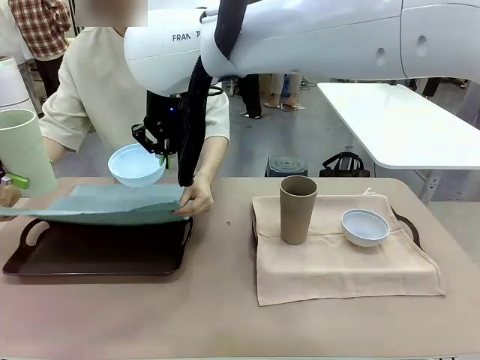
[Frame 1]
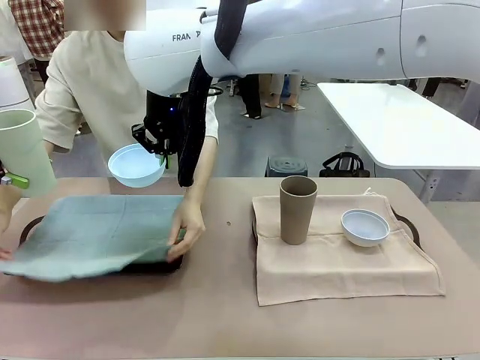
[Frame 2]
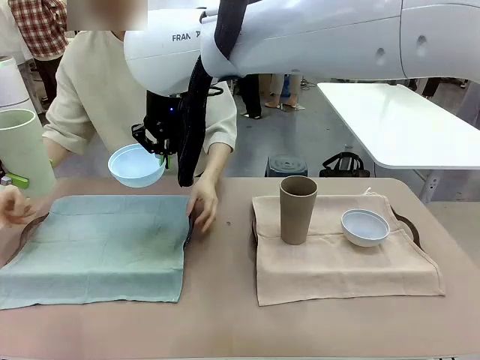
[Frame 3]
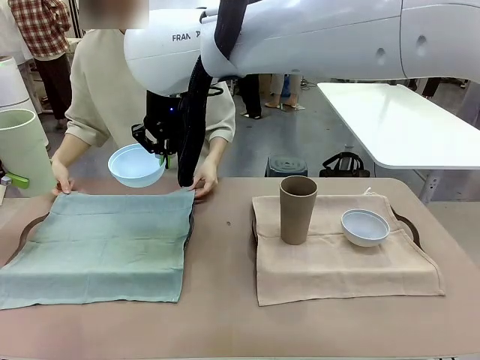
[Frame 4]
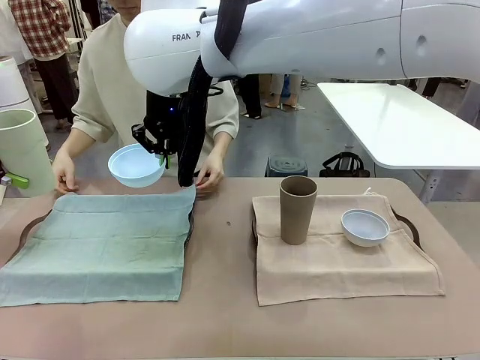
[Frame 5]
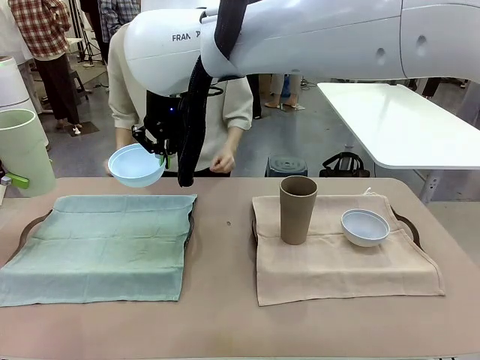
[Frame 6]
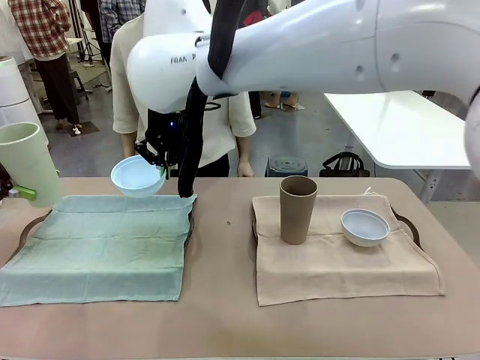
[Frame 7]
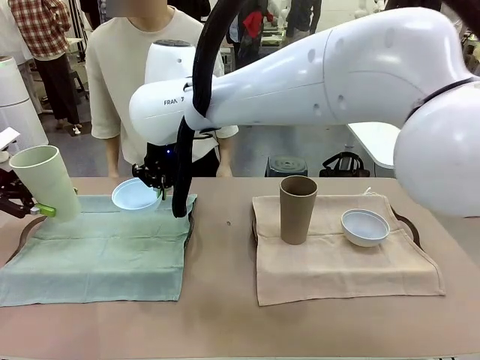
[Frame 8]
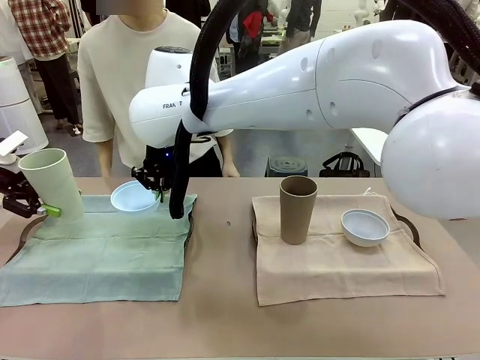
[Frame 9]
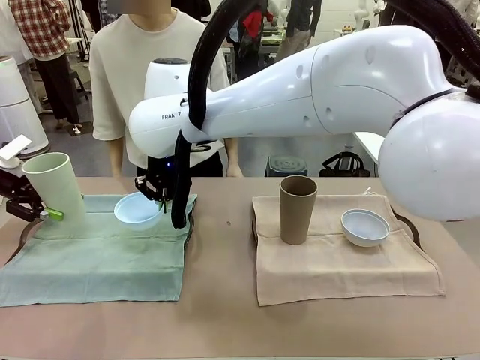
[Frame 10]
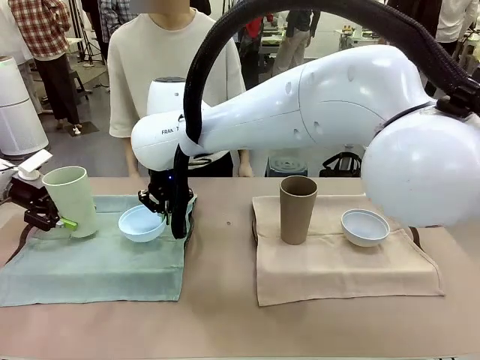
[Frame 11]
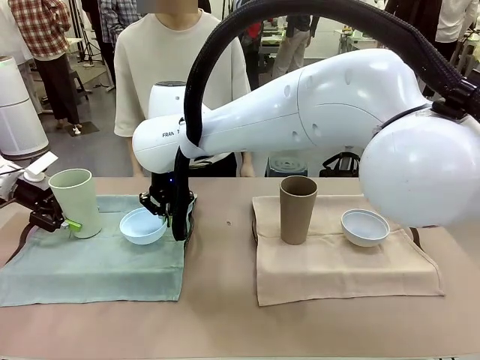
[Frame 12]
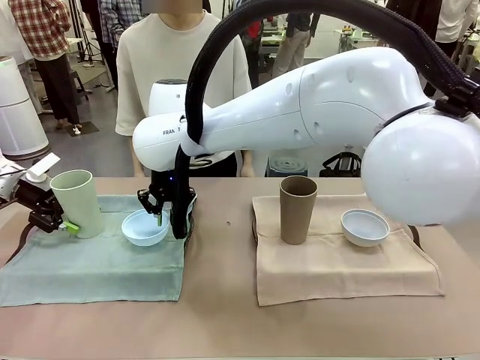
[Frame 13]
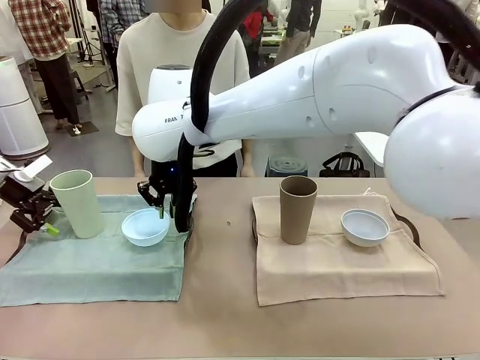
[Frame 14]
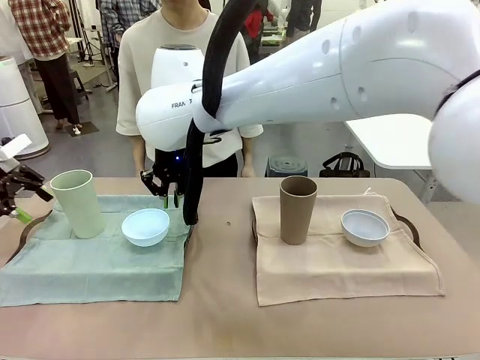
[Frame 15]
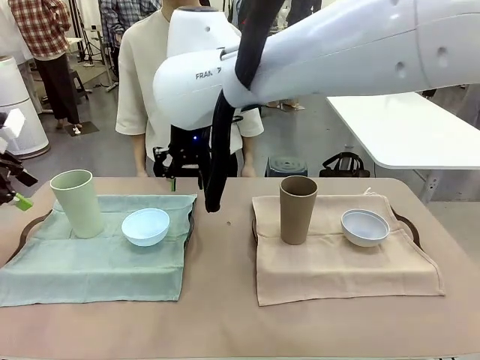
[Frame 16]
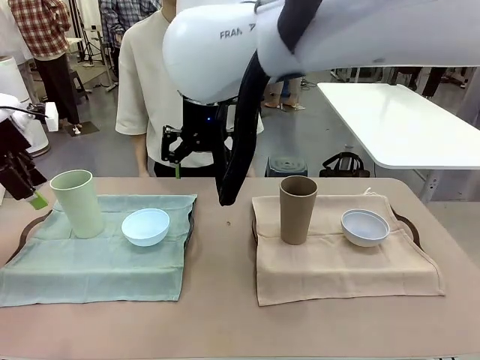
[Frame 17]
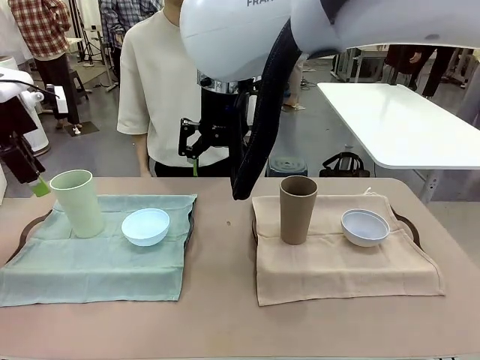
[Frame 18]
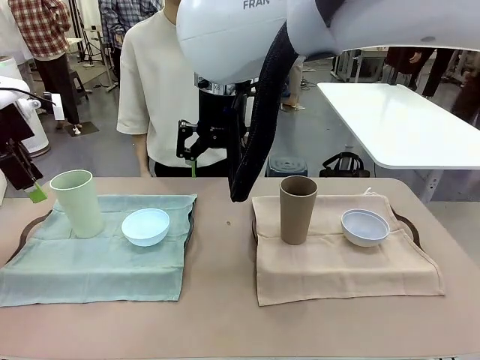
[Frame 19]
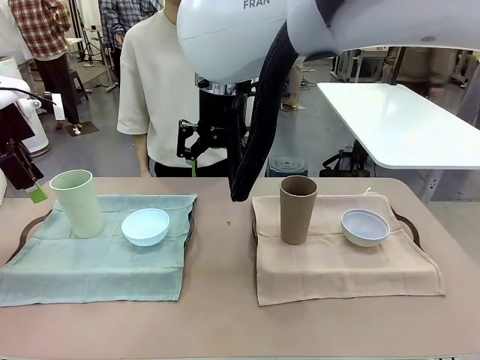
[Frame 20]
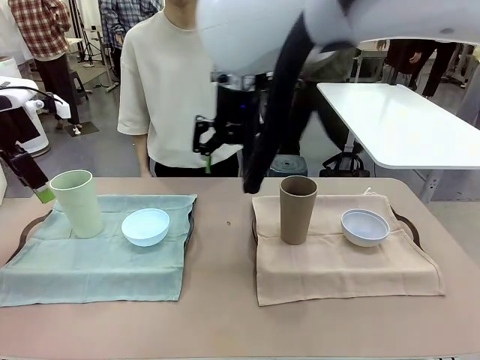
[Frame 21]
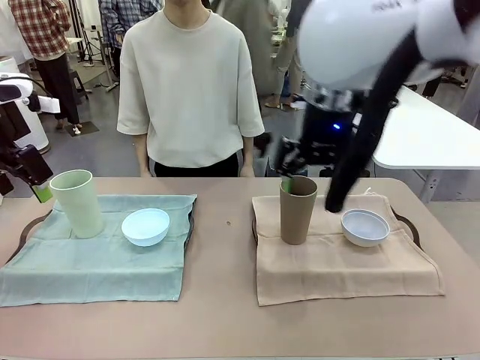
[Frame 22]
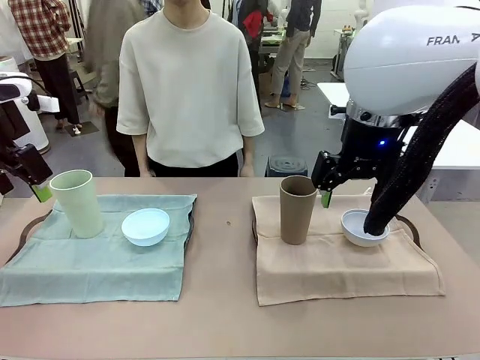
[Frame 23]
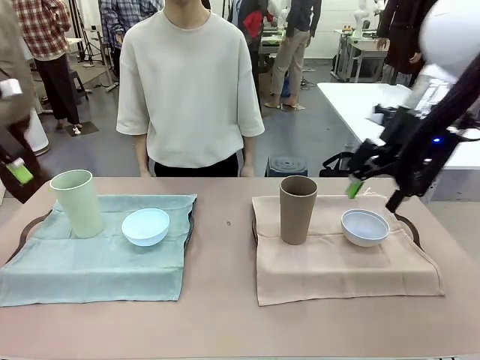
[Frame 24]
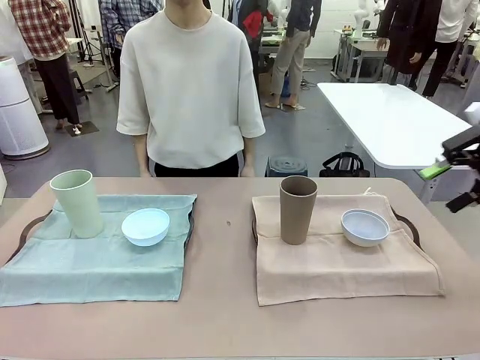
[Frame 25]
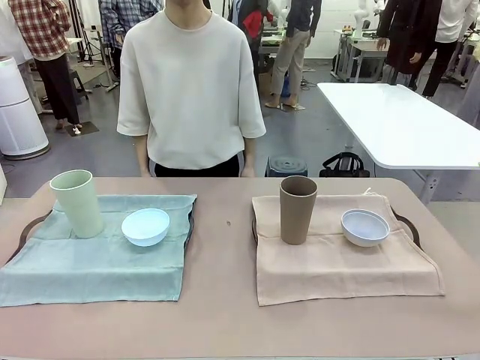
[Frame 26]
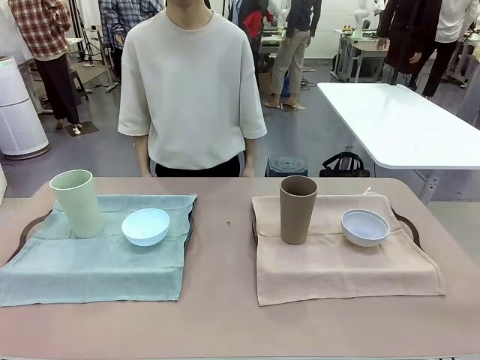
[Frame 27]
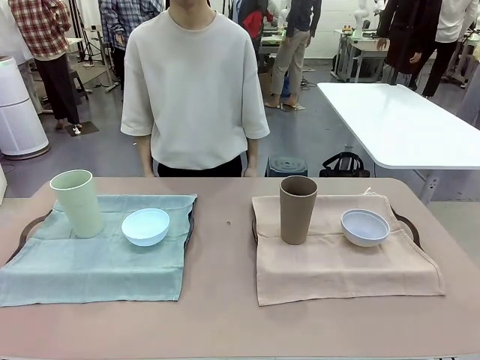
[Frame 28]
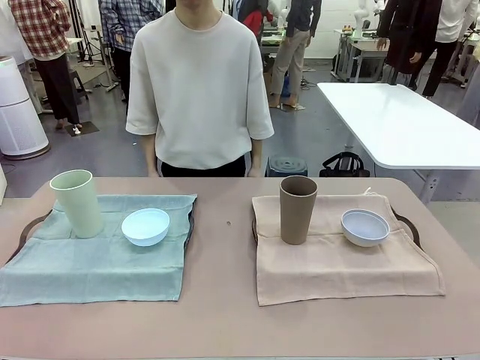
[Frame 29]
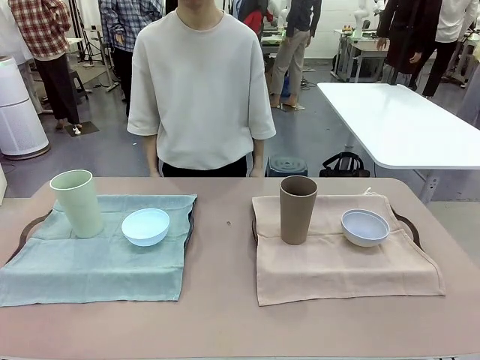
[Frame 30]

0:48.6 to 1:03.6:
Robot: Place the Picnic Bowl and Reusable plastic cup back onto the Handle tray in front of the human's position.

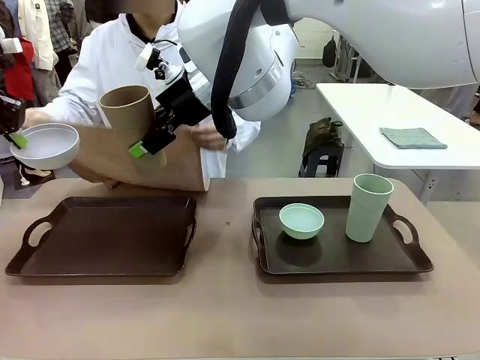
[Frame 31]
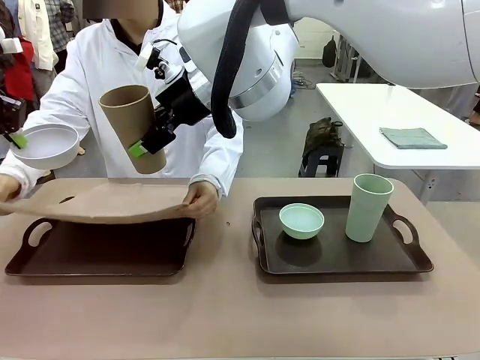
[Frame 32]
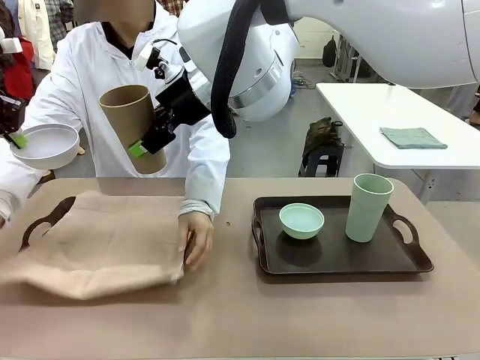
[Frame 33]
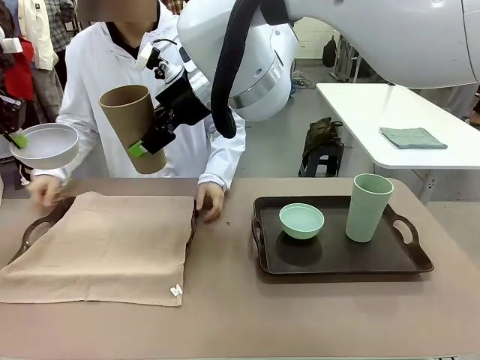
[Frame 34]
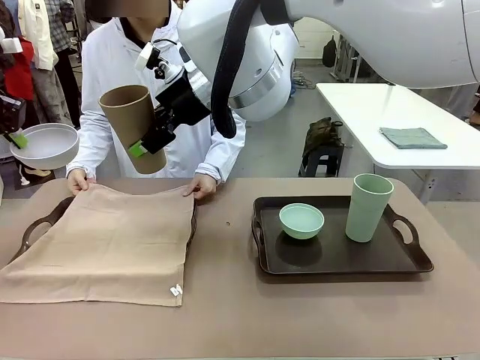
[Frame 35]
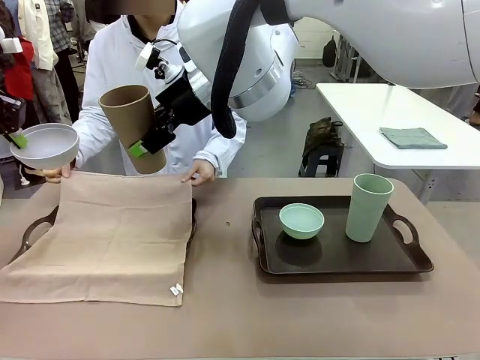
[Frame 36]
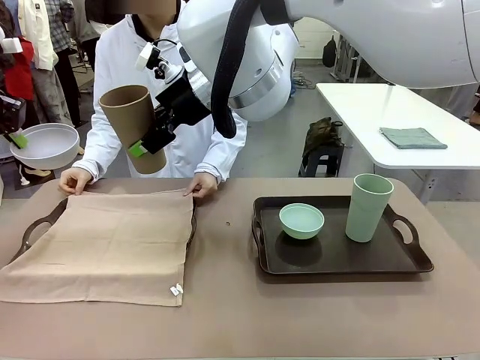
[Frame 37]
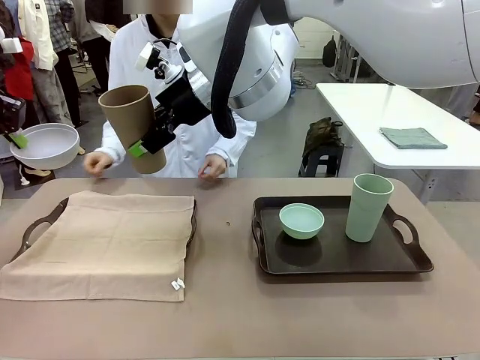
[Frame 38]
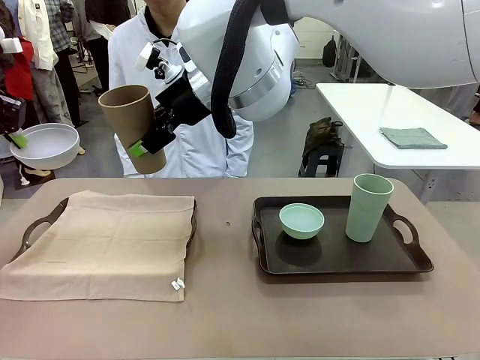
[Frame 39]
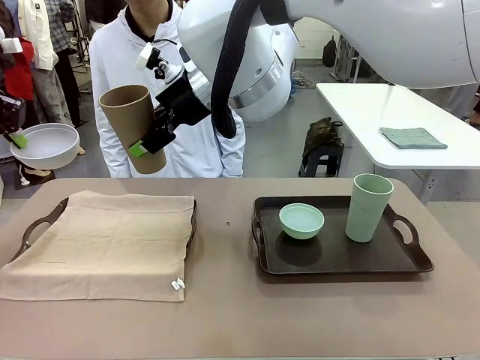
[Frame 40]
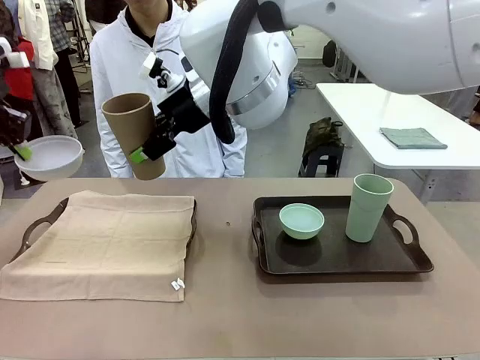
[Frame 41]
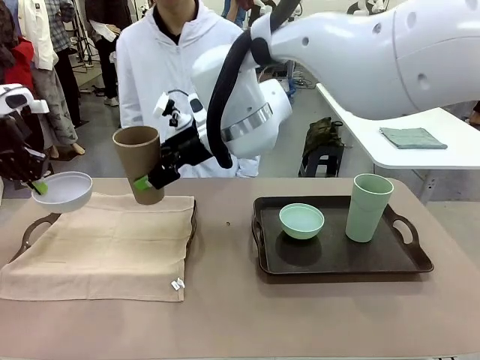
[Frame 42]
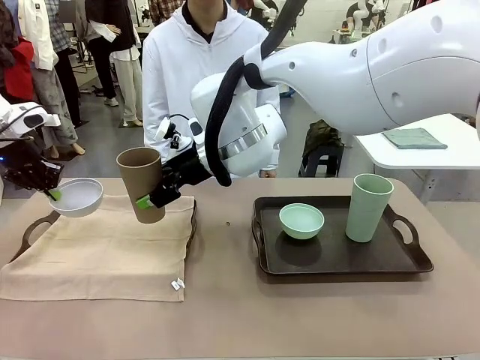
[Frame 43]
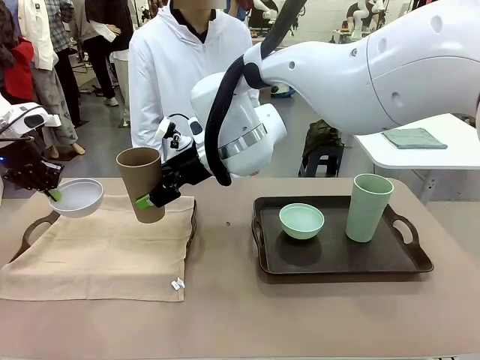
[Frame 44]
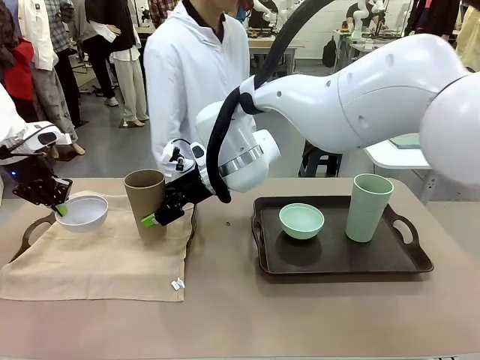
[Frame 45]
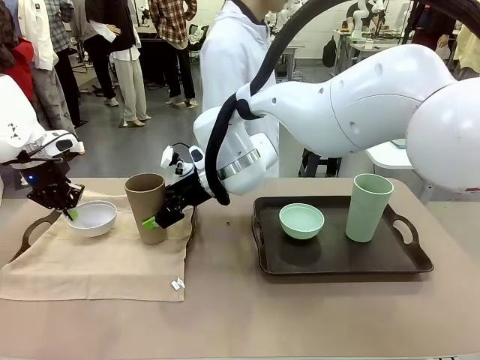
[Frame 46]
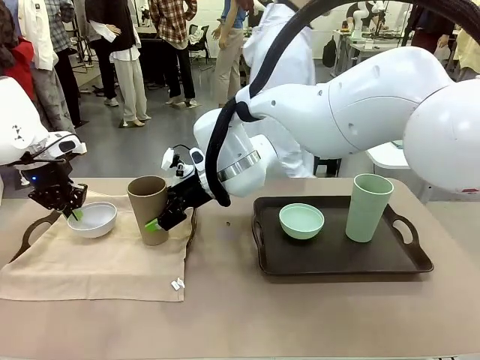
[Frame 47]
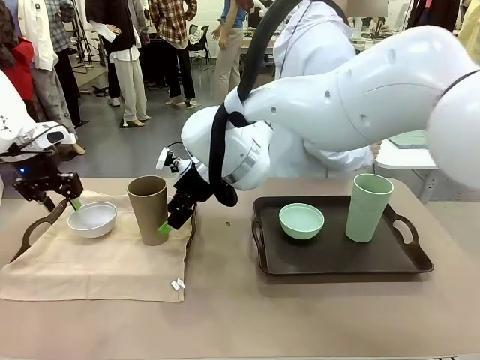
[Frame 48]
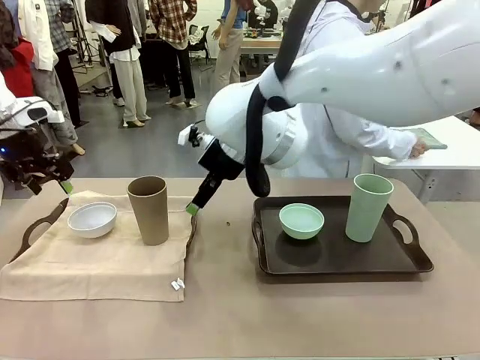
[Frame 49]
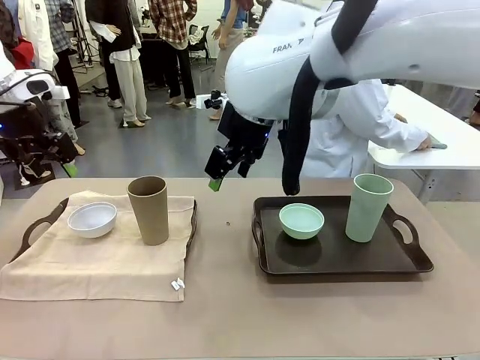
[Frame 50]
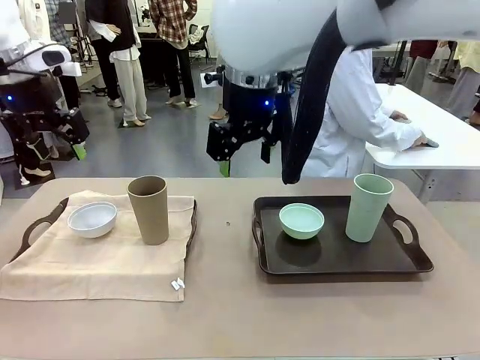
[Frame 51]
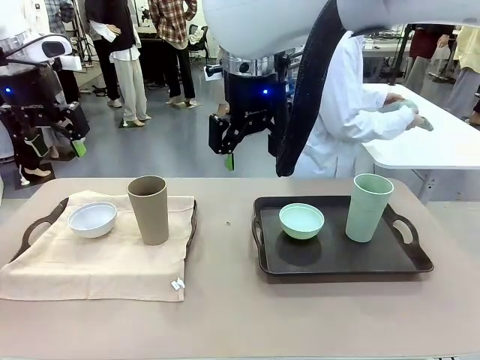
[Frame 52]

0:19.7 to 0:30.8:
Robot: Place the Picnic Bowl and Reusable plastic cup back onto the Handle tray in front of the human's position.
Person: The human returns to the human table to pick up another napkin and walks to the robot table to stand in front of the tray without a napkin.
